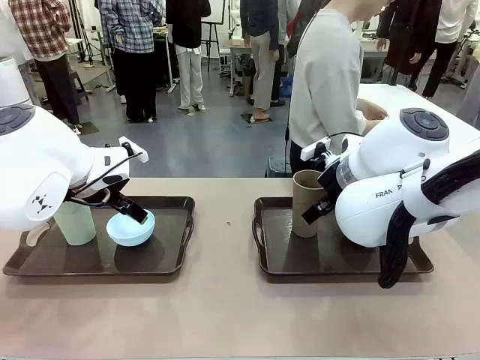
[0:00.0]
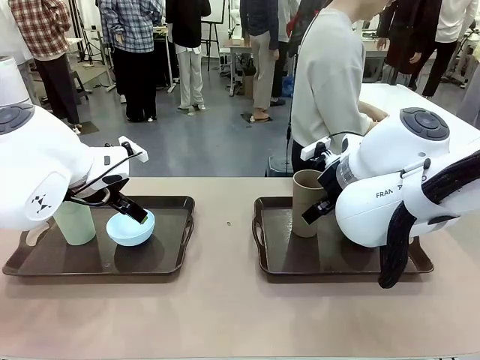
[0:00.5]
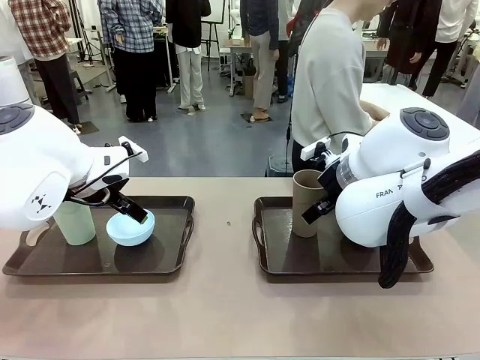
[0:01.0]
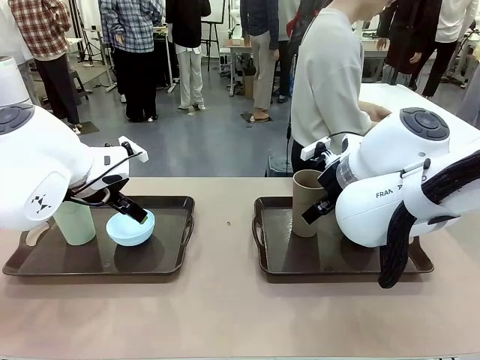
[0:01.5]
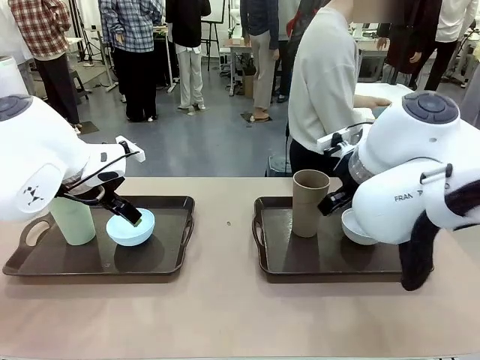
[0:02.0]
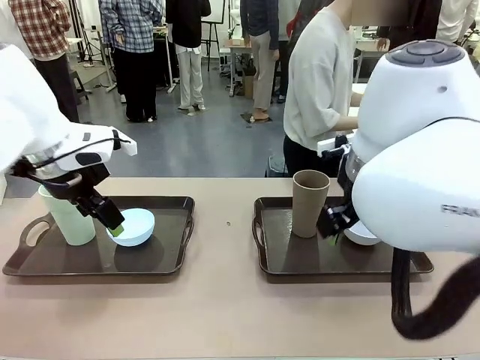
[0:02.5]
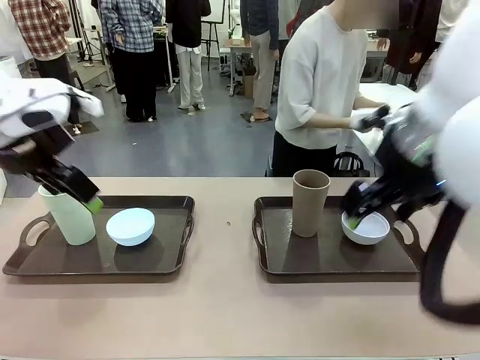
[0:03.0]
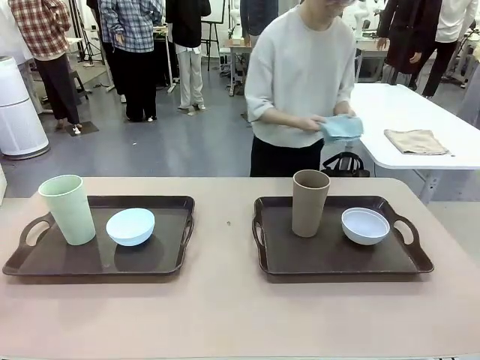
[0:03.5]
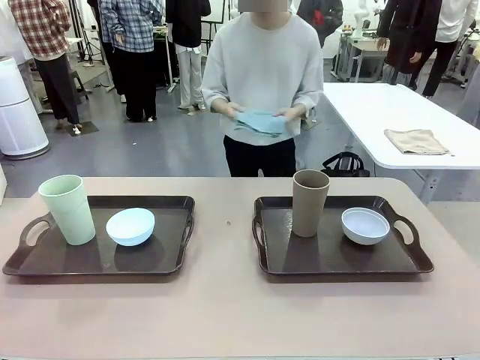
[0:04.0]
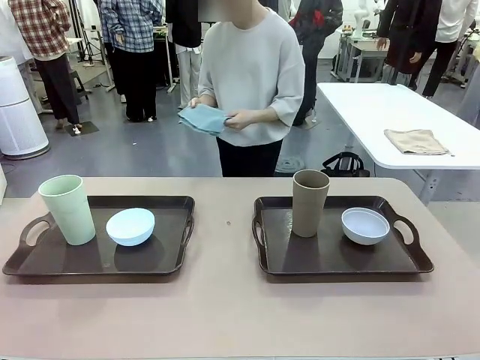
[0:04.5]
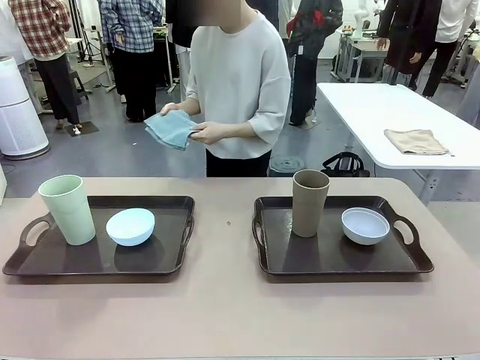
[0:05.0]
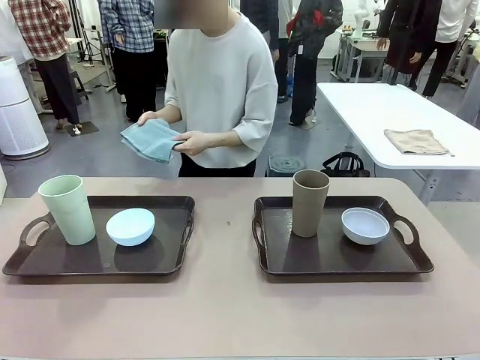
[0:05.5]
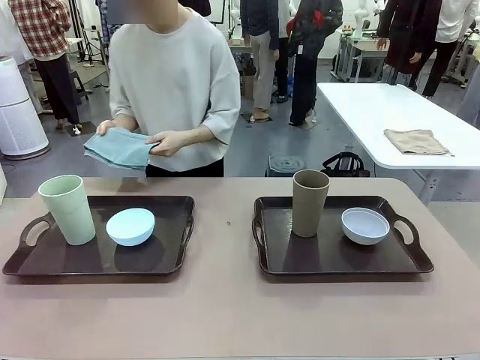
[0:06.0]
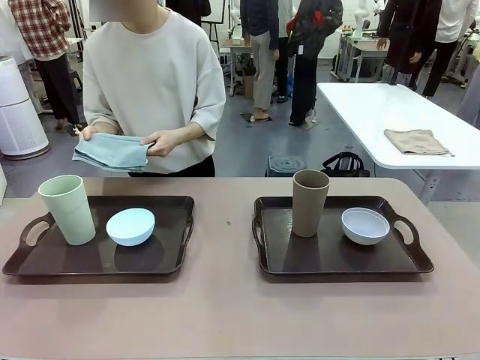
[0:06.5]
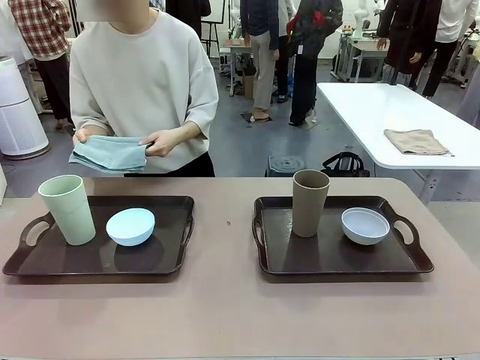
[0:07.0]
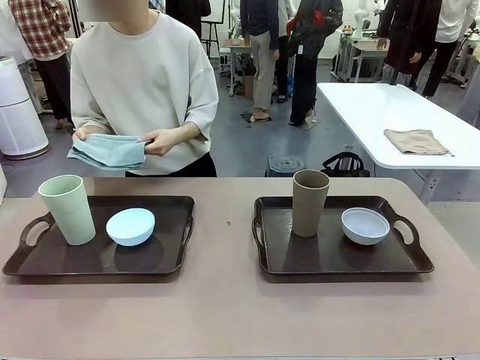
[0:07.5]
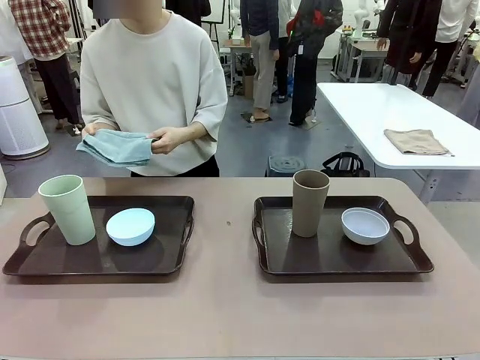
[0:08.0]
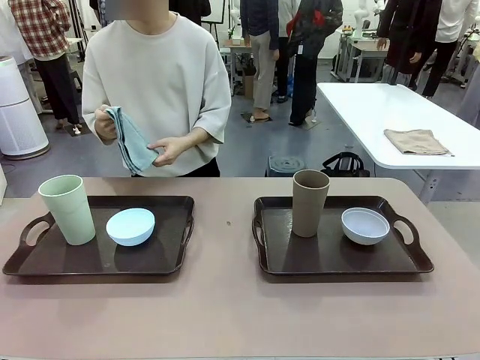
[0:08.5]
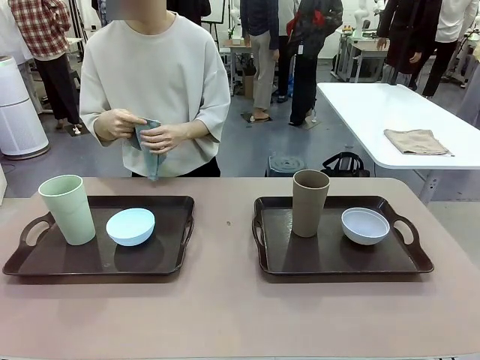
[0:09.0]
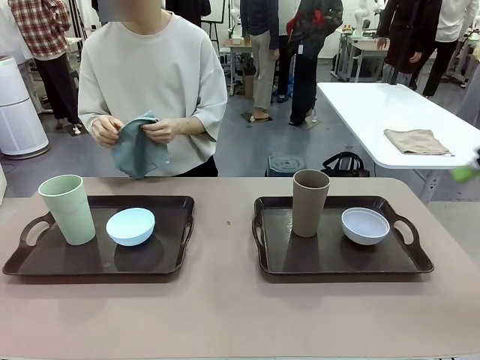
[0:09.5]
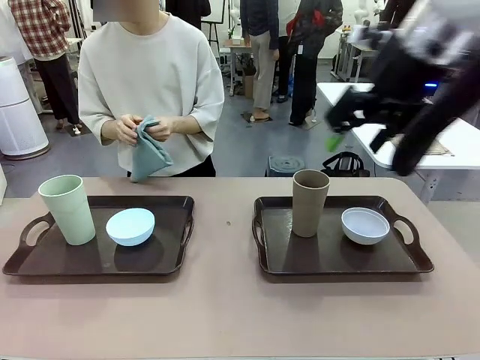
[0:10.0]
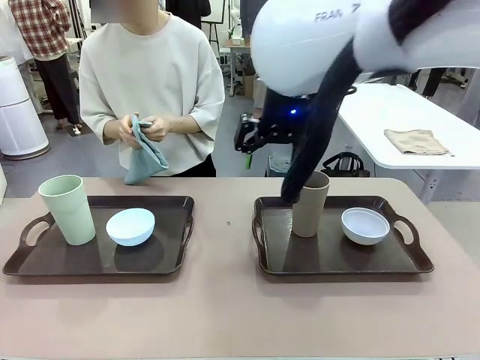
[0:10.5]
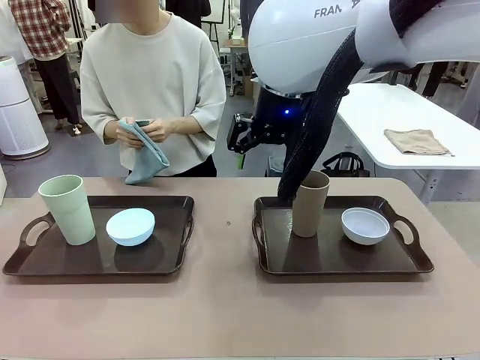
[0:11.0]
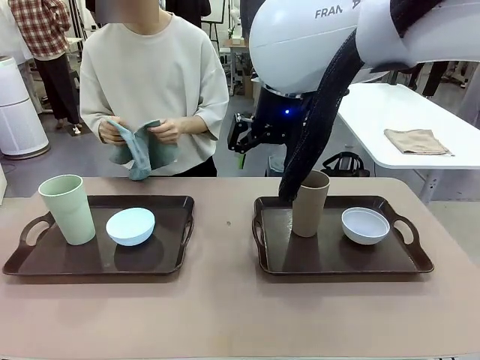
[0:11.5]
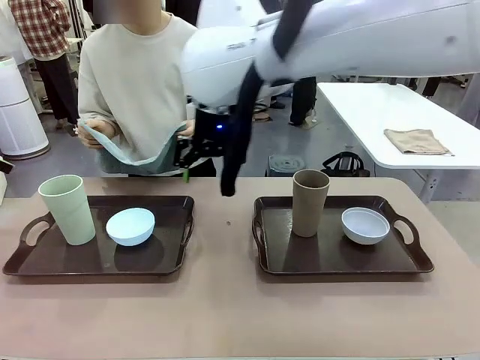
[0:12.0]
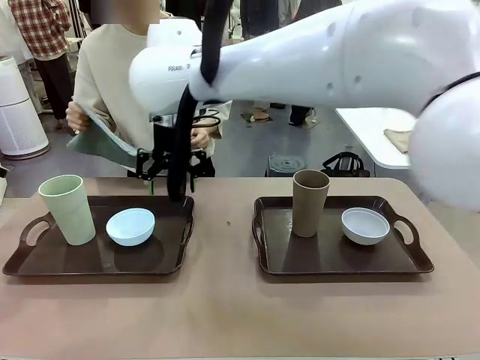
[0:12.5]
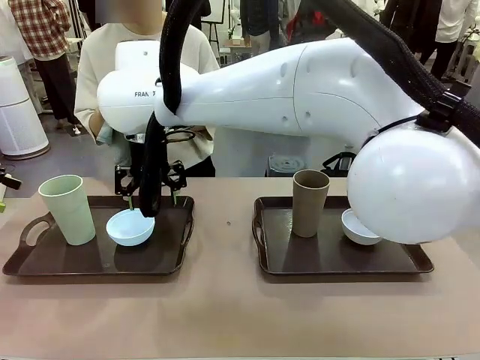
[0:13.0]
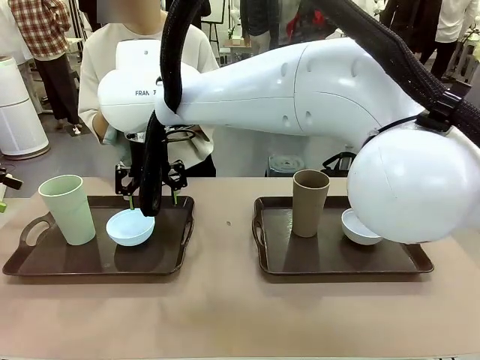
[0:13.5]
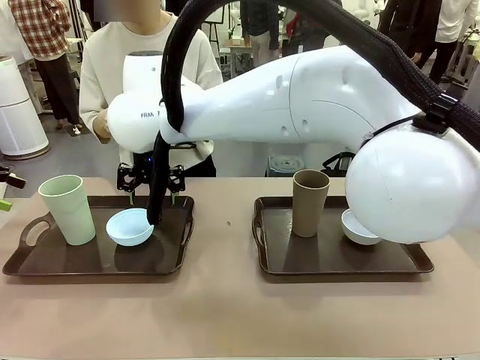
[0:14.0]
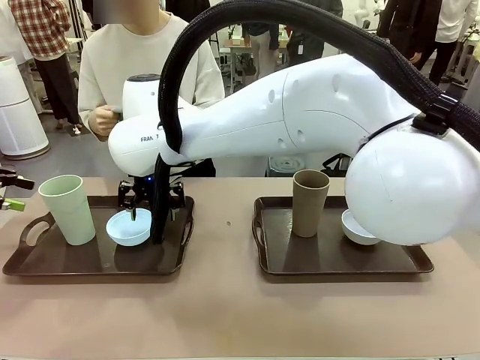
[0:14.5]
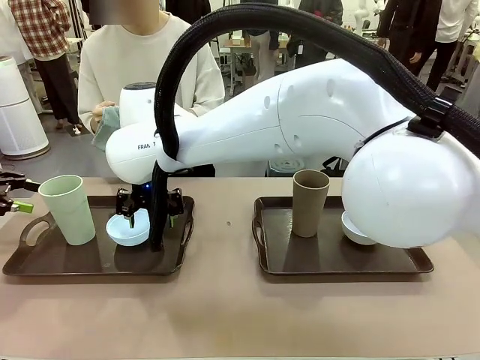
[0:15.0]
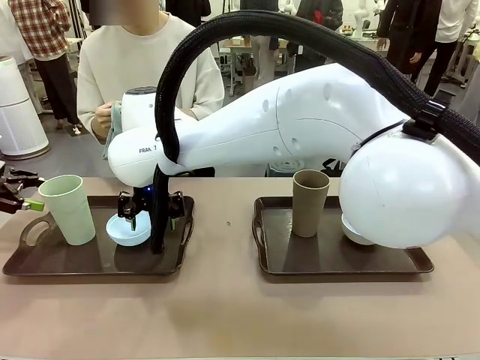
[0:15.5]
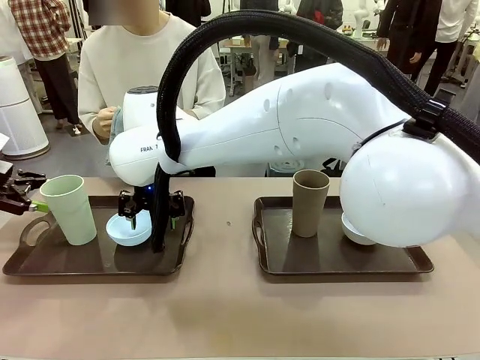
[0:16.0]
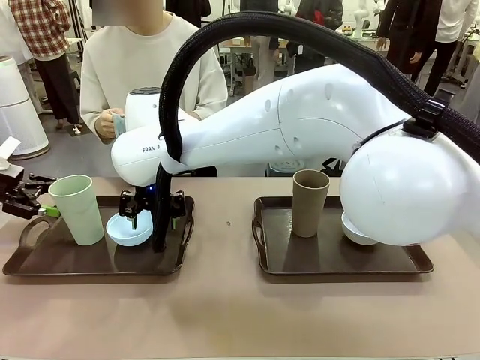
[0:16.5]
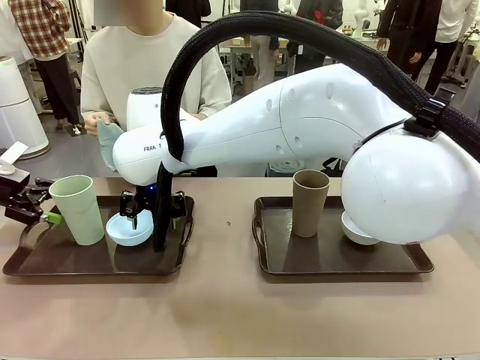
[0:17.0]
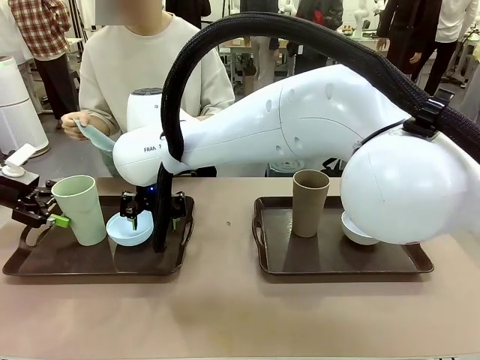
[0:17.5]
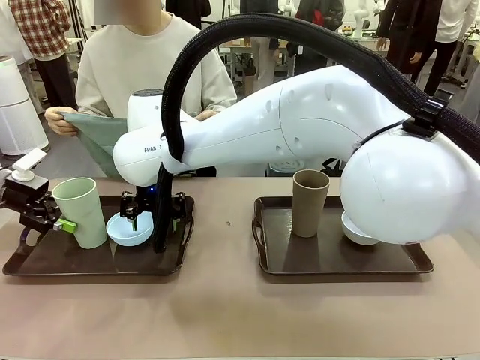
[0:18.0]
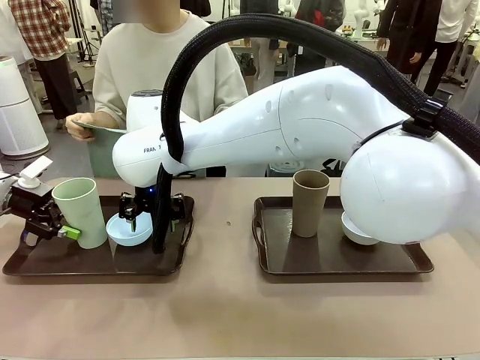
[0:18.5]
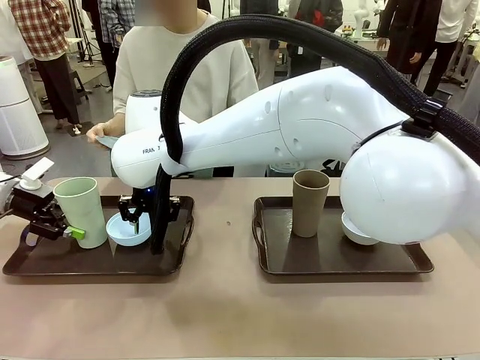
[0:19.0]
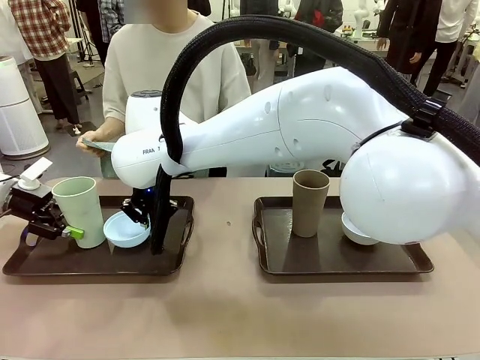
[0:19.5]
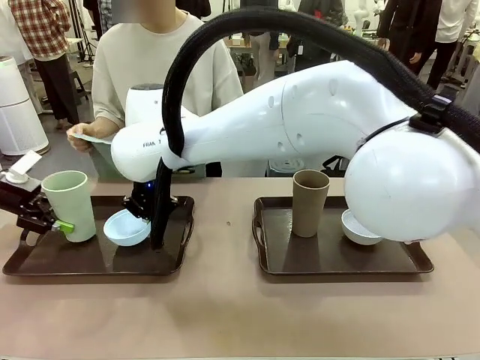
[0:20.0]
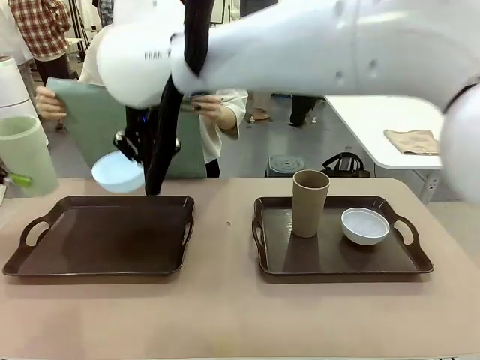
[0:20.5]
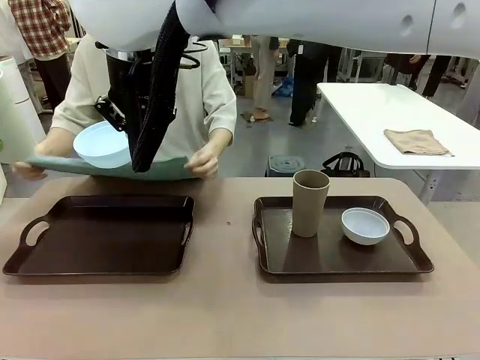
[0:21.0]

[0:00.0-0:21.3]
Robot: Pick up the Picnic Bowl and Reusable plastic cup from the Handle tray in front of the human's position and hold them in the air.
Person: The human picks up the top napkin from the stack on the human table and walks to the robot table to stand in front of one of the two trays. When the robot lifts the bowl and the cup, the human unfolds the napkin and lays the napkin flat on the tray.

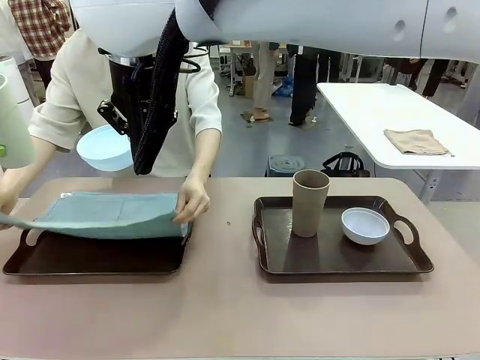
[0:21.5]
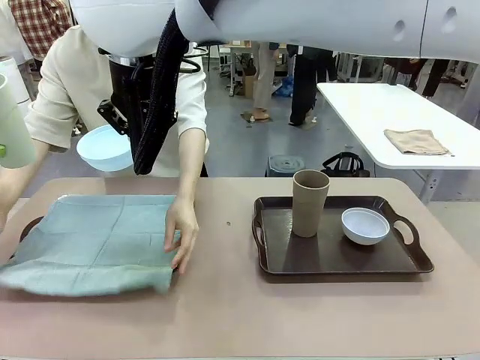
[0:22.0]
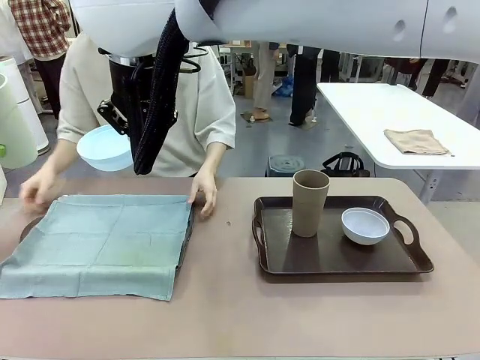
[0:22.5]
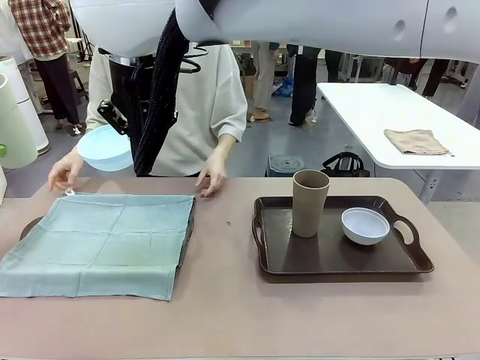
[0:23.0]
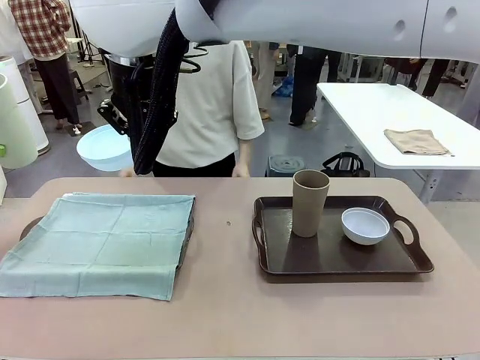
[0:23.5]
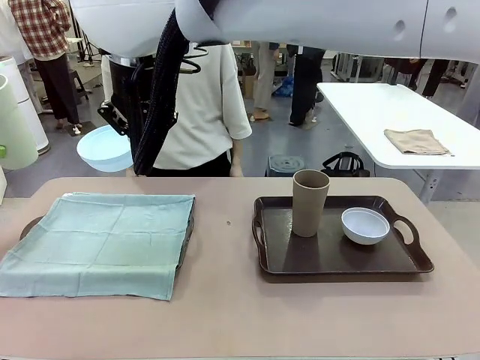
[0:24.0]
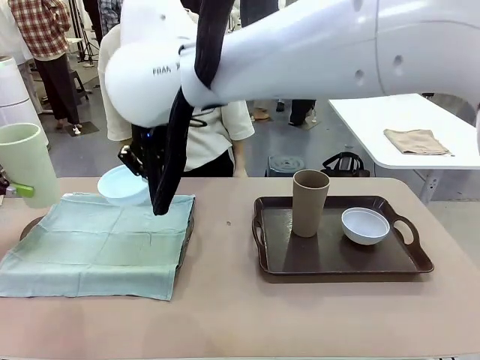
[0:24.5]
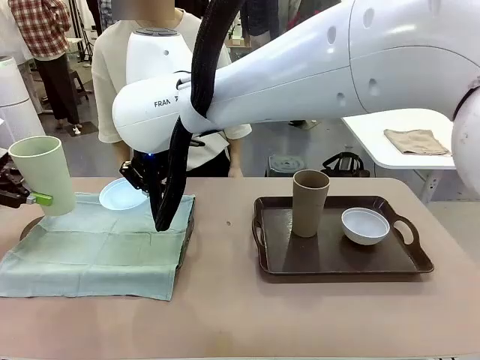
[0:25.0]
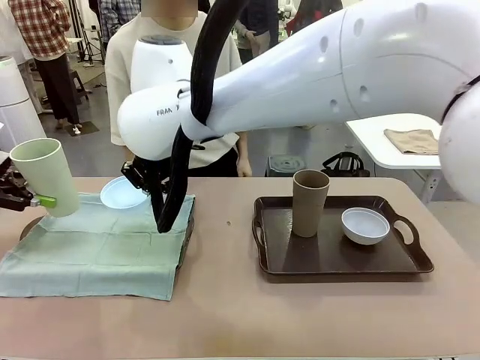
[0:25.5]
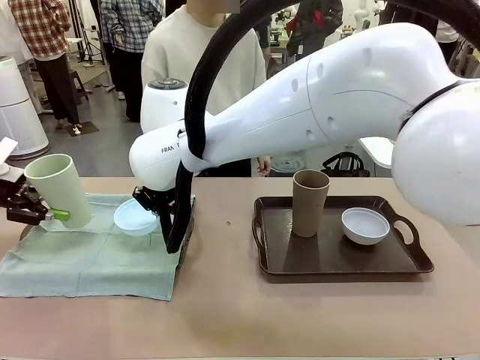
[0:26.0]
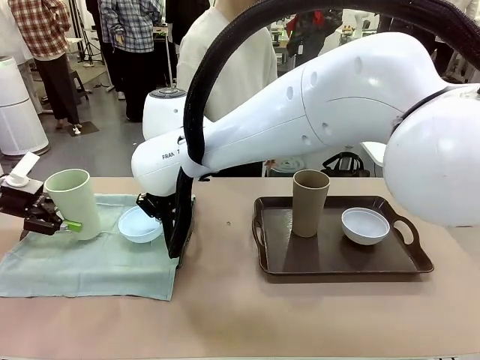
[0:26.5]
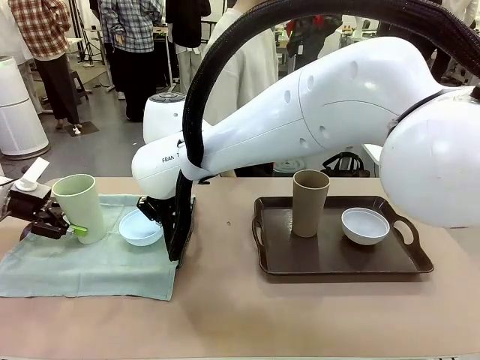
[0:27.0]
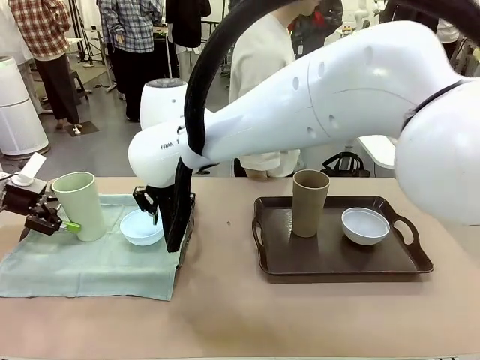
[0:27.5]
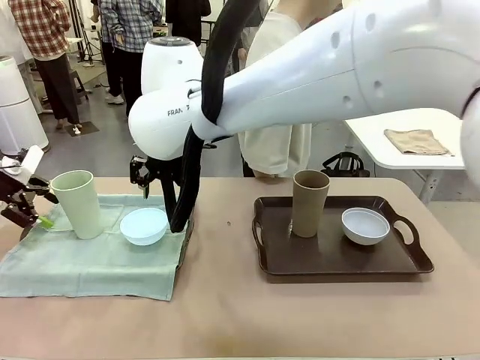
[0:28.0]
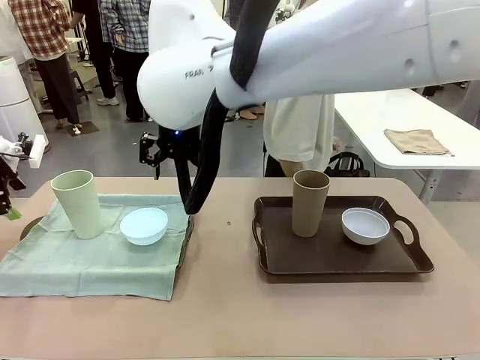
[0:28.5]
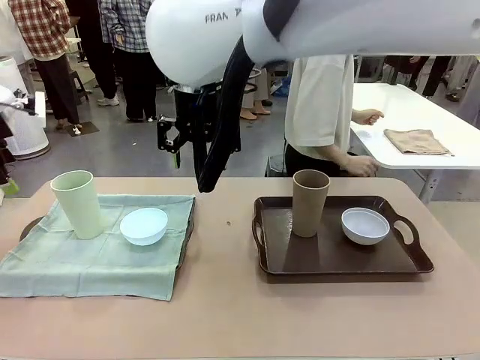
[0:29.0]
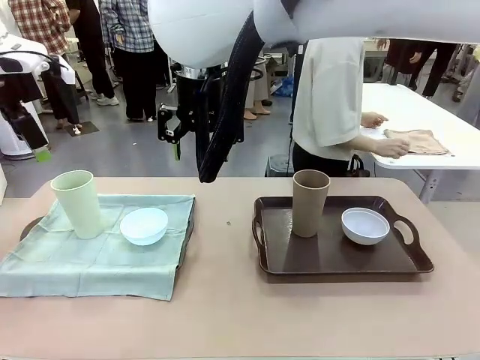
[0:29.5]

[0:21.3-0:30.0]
Robot: Place the Picnic Bowl and Reusable plastic cup back onto the Handle tray in front of the human's position.
Person: The human returns to the human table to pick up another napkin and walks to the robot table to stand in front of the tray without a napkin.
